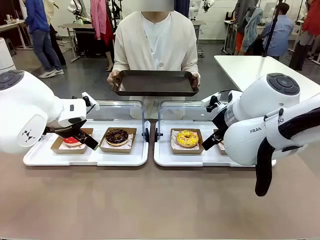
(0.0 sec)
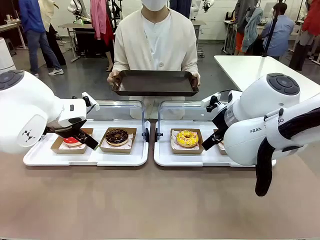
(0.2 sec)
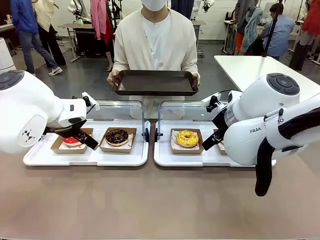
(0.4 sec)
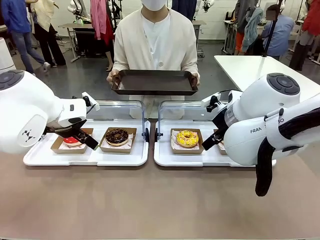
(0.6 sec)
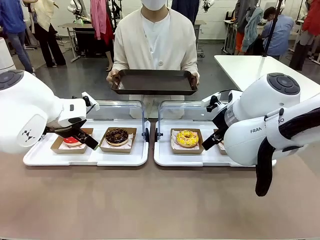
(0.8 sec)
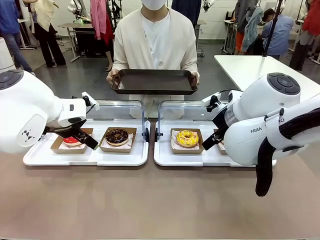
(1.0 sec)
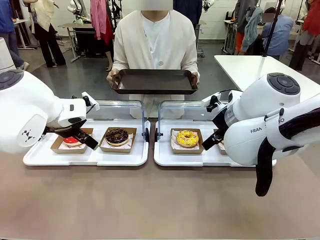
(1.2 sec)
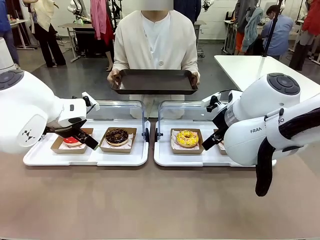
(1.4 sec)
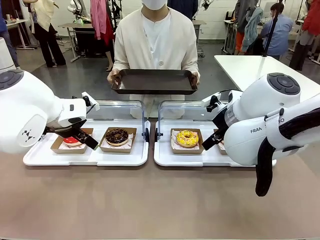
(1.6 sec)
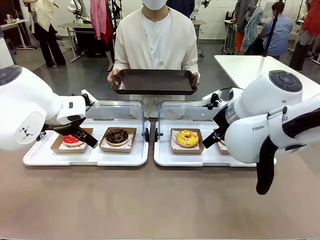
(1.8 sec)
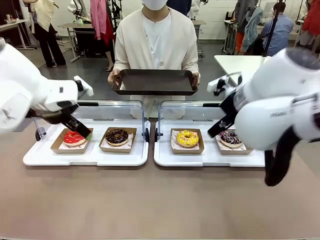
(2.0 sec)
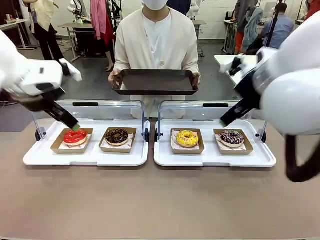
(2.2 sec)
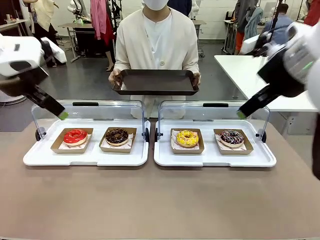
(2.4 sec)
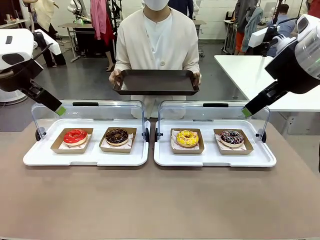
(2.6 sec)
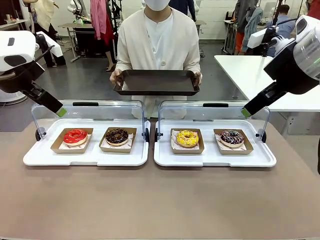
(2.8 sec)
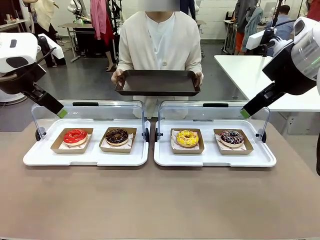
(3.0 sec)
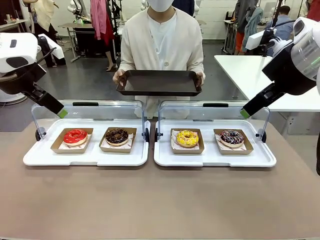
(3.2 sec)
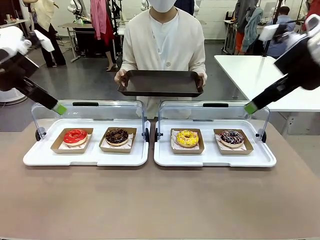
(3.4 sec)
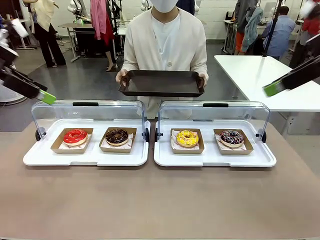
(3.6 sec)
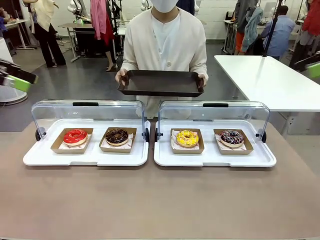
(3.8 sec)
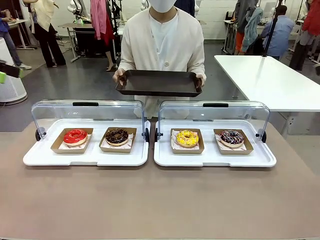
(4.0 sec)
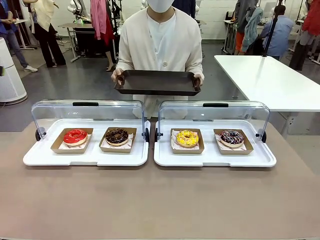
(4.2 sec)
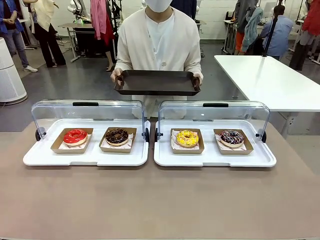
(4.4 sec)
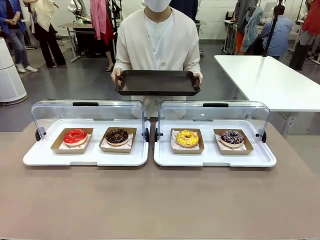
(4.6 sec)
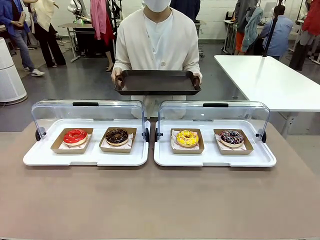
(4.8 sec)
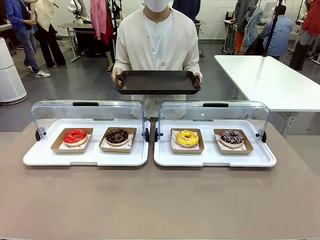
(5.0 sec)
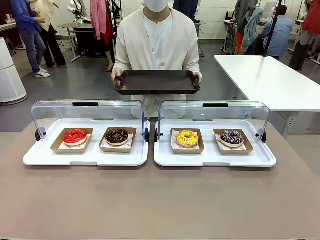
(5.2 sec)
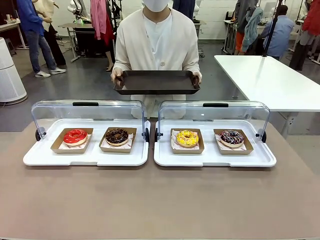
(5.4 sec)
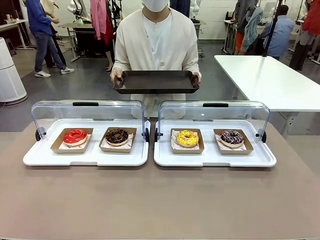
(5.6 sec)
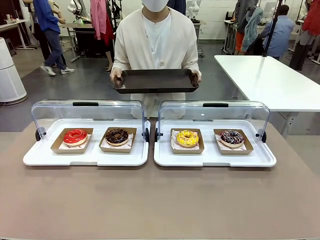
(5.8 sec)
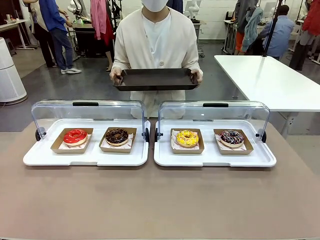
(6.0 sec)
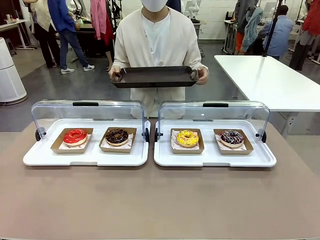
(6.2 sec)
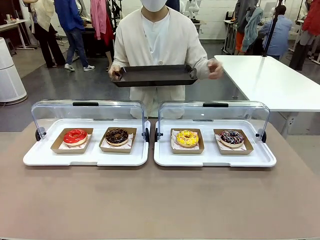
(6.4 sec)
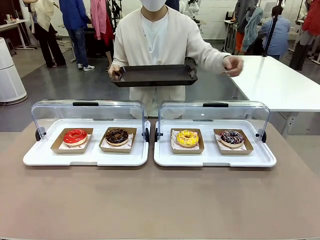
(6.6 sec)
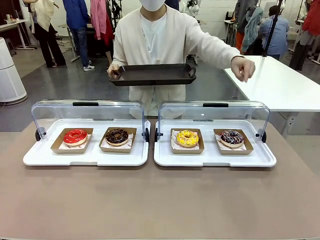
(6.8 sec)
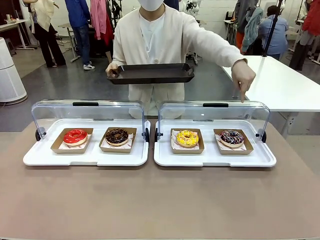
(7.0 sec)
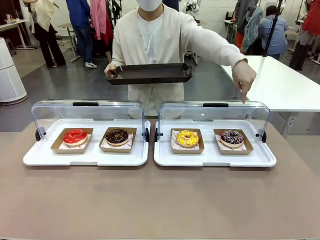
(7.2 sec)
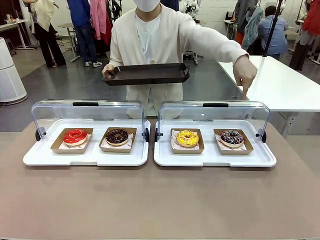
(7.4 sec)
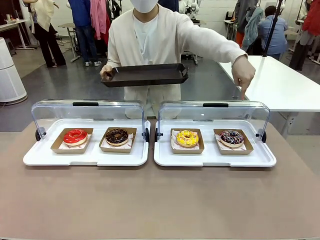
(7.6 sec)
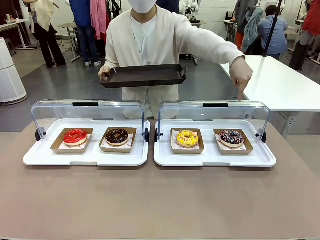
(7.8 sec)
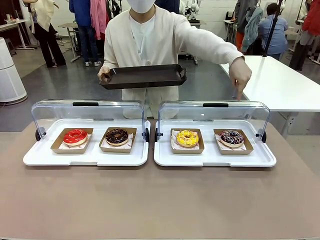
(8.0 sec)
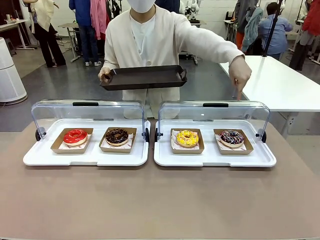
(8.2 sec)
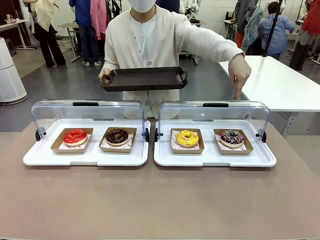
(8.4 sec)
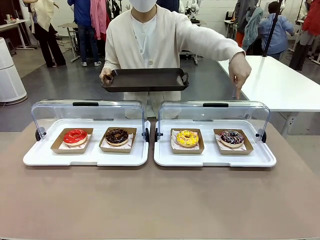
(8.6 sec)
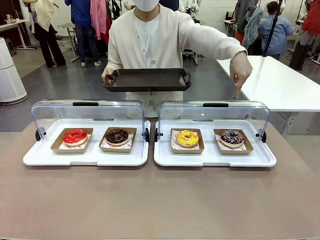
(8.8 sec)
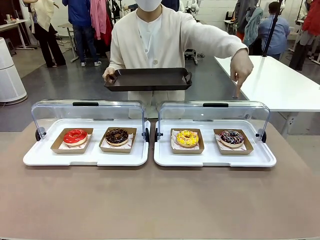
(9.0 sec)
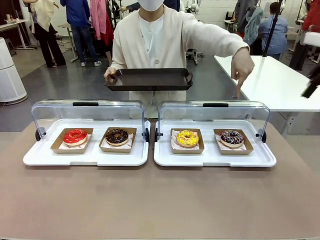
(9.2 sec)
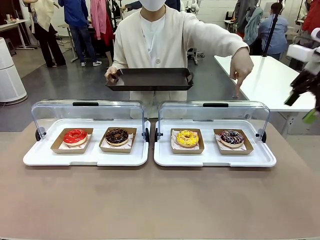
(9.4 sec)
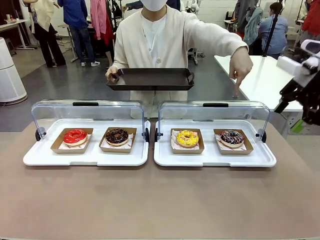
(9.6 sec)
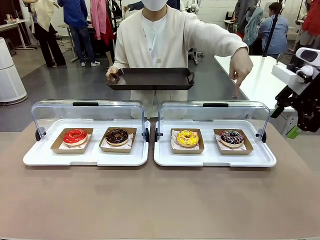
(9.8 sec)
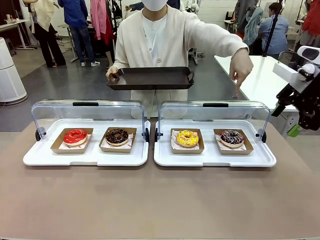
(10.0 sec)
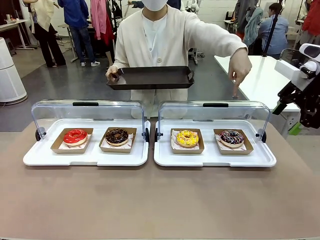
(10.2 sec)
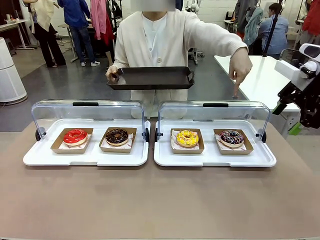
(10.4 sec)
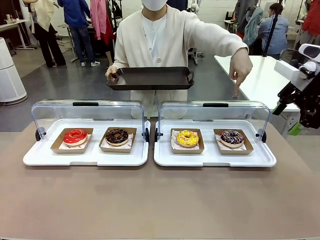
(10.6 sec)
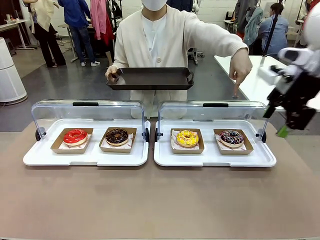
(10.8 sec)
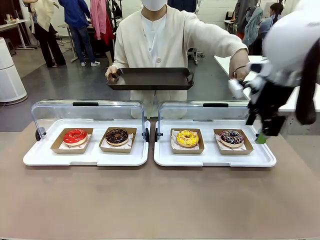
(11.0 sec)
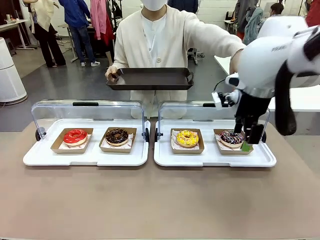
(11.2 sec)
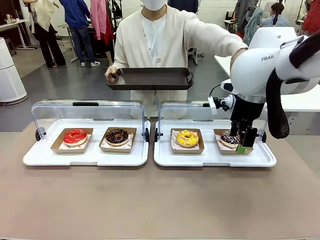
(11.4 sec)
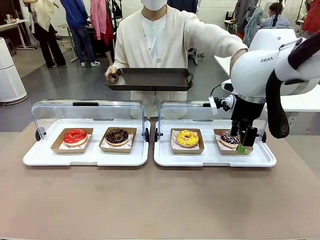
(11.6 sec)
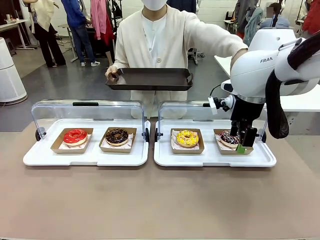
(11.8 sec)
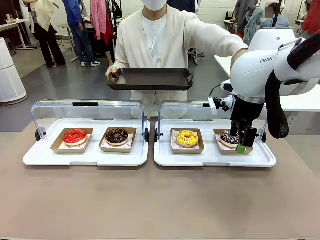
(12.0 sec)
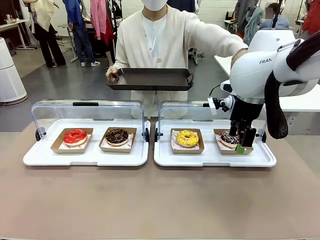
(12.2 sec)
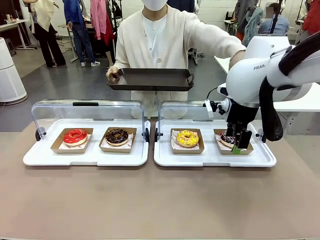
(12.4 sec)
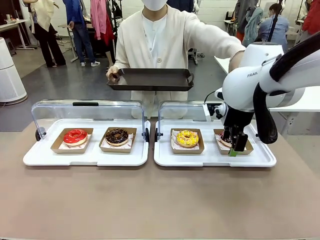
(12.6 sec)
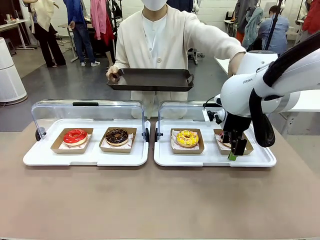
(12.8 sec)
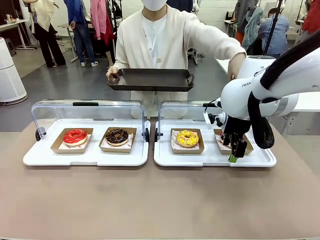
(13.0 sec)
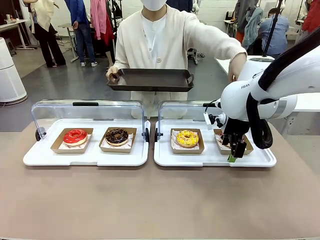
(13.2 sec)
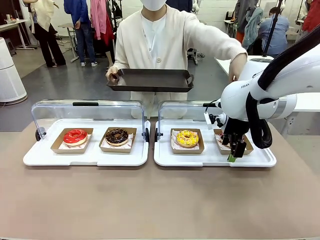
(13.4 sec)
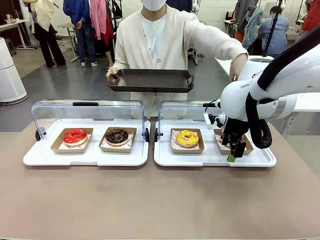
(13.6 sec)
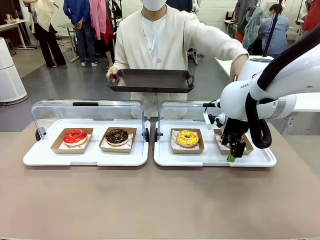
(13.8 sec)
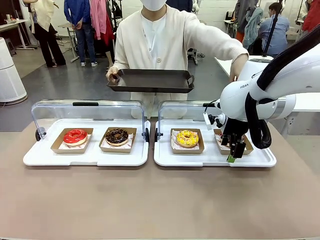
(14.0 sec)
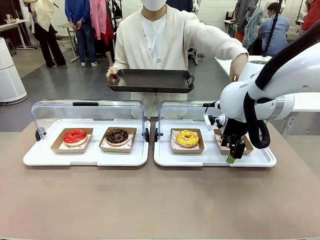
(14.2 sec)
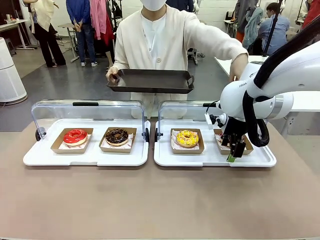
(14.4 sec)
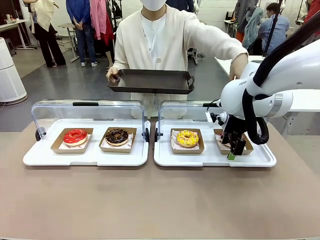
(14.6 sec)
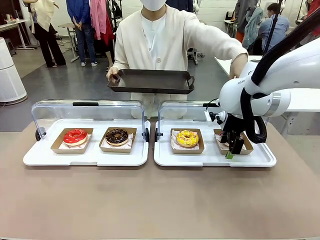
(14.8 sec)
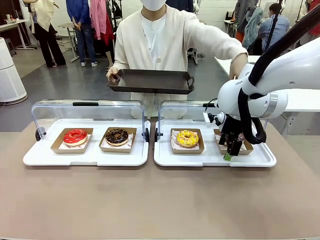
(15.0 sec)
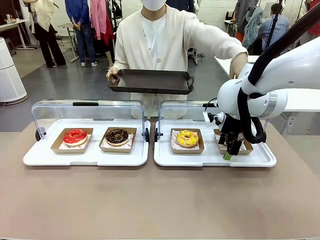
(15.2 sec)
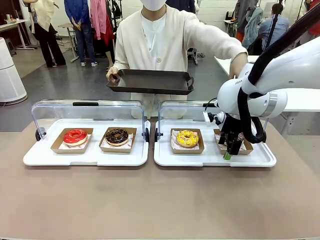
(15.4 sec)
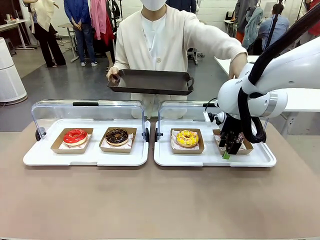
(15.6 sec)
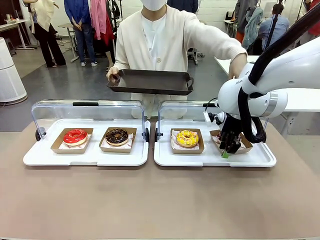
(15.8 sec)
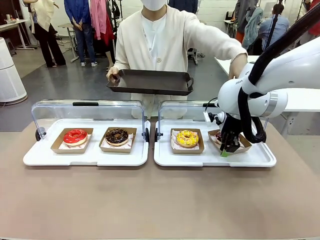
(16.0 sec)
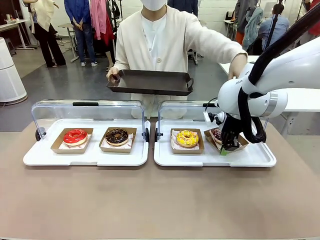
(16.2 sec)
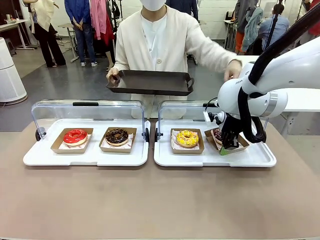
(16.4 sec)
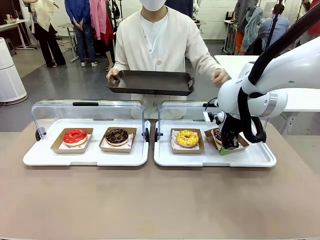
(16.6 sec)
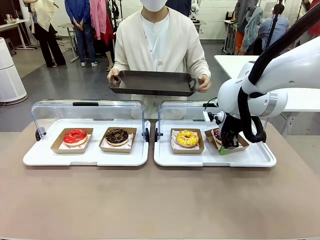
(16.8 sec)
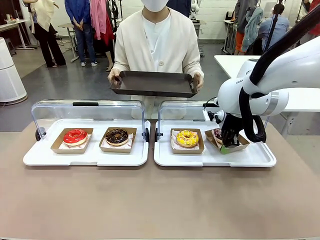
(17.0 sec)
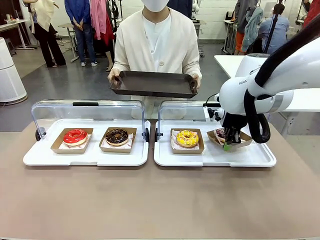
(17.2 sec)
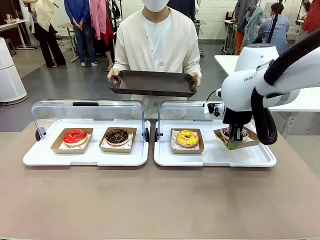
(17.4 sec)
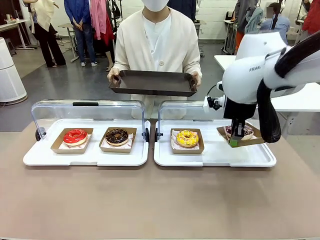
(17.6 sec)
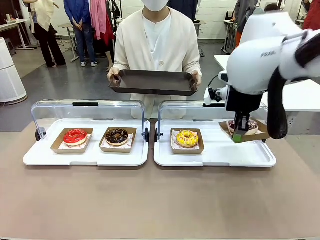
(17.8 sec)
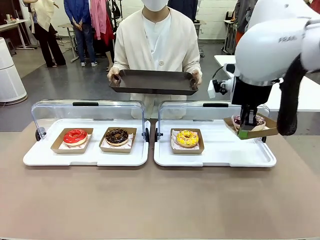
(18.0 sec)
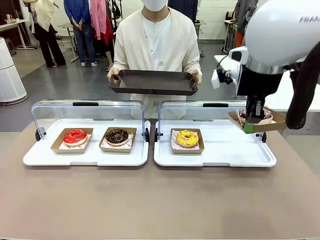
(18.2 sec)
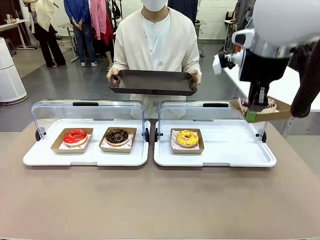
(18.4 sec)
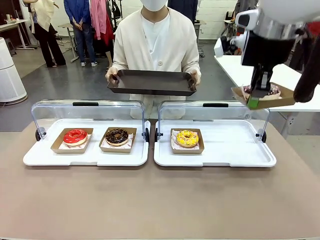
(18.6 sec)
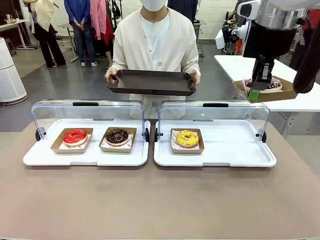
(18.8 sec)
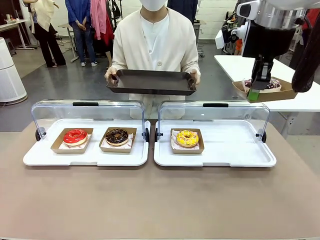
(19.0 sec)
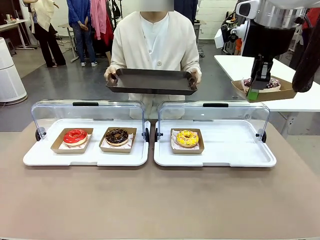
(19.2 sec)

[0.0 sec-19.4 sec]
Task: Provide the desired donut to the person.
Robot: Pick up and lift the Paper togo box containing the Donut pointed at by the person.
Person: Point to one donut. Lift the tray onto the Roll-Top Bakery Case.
